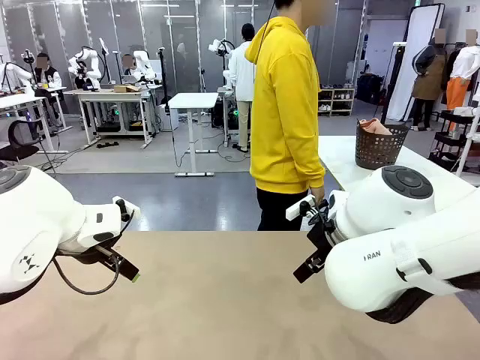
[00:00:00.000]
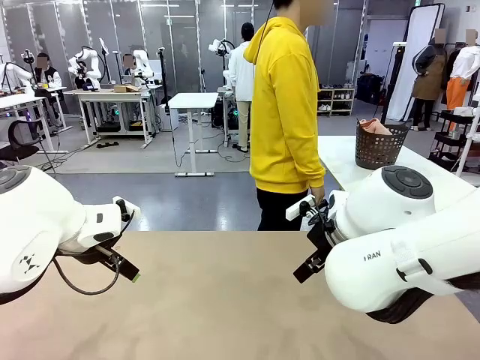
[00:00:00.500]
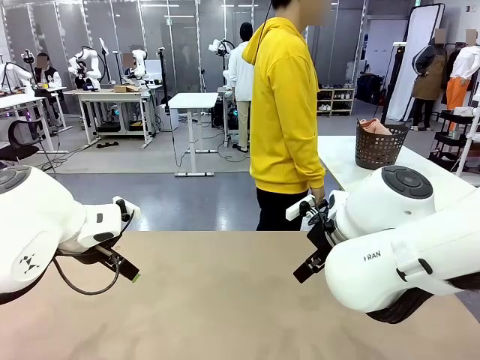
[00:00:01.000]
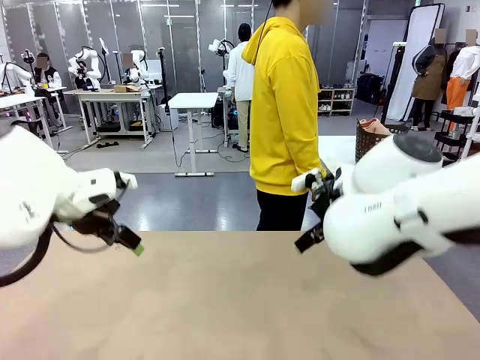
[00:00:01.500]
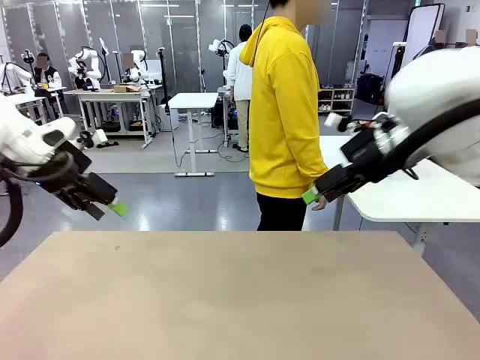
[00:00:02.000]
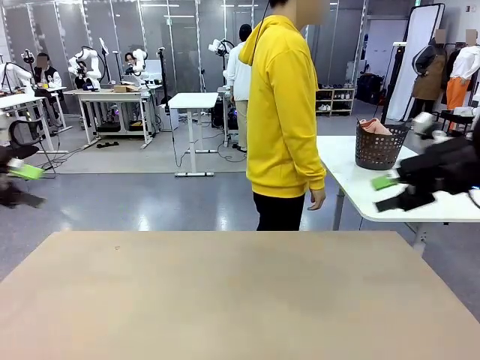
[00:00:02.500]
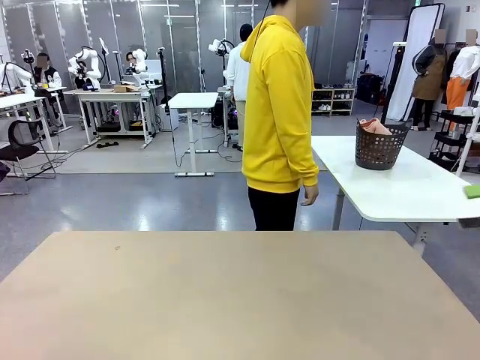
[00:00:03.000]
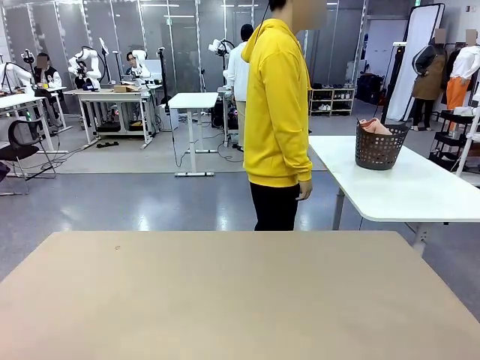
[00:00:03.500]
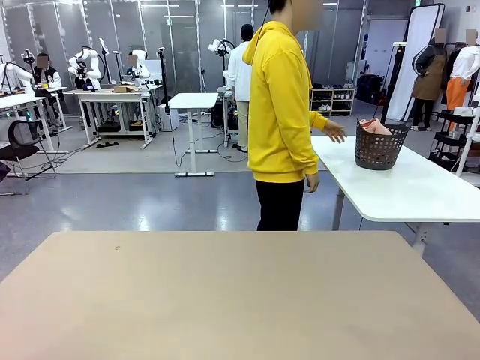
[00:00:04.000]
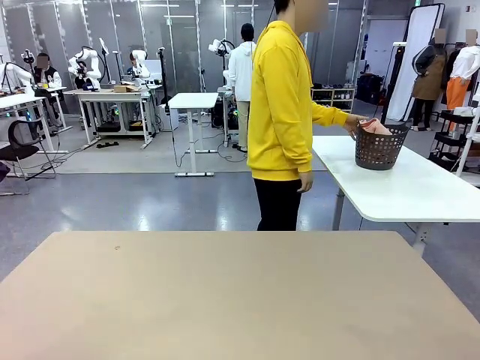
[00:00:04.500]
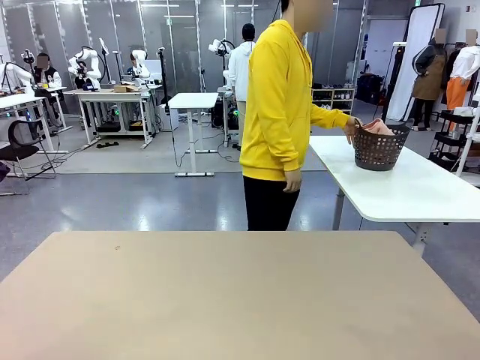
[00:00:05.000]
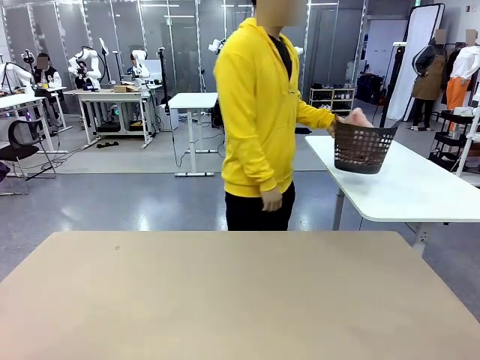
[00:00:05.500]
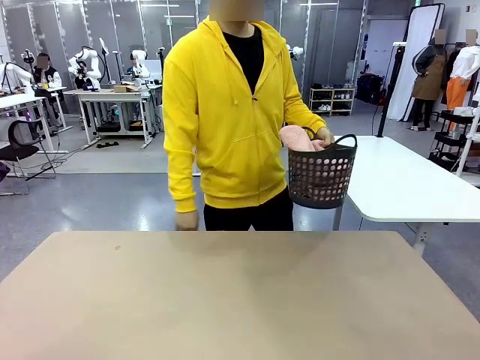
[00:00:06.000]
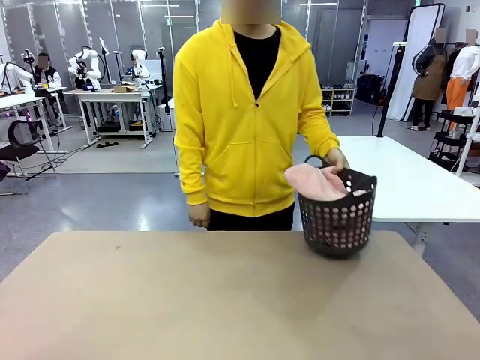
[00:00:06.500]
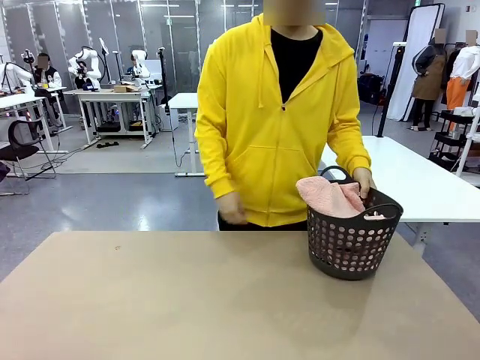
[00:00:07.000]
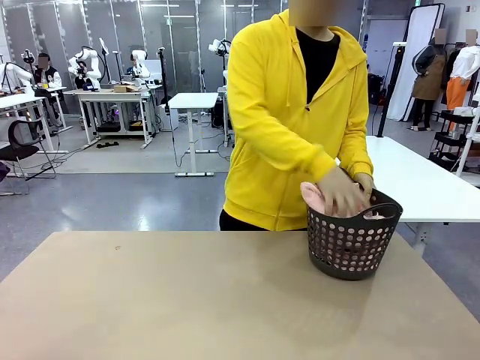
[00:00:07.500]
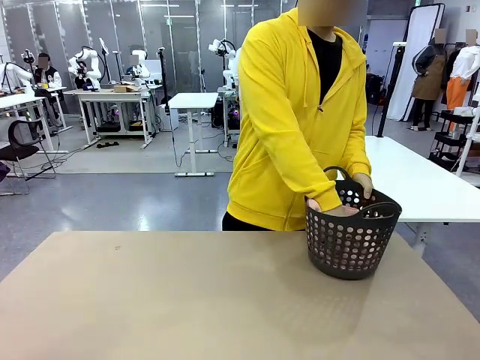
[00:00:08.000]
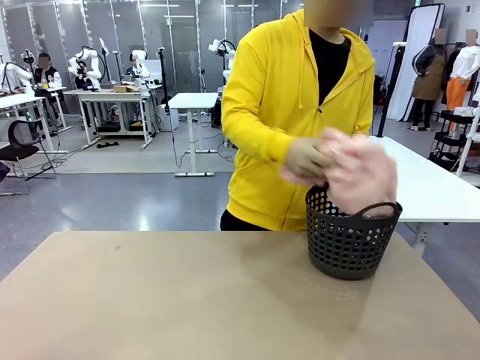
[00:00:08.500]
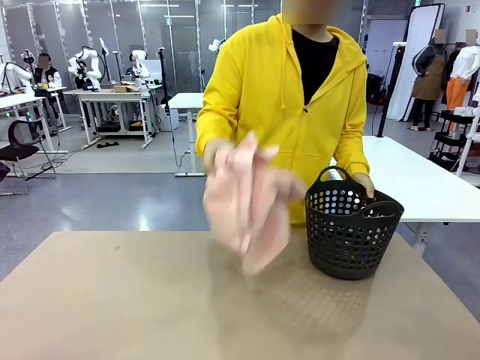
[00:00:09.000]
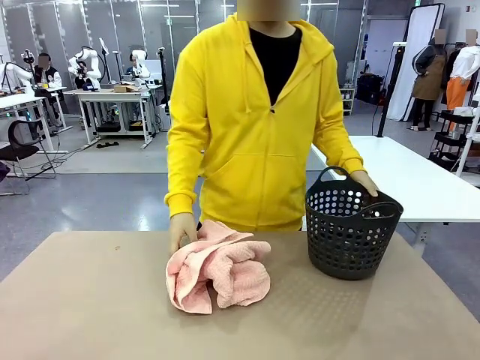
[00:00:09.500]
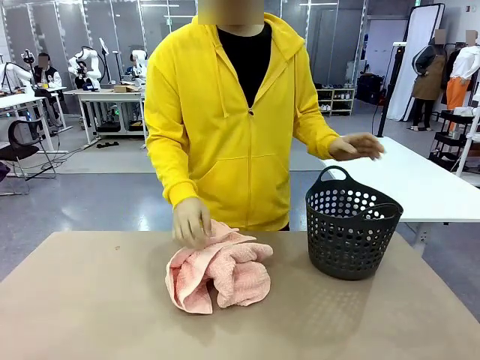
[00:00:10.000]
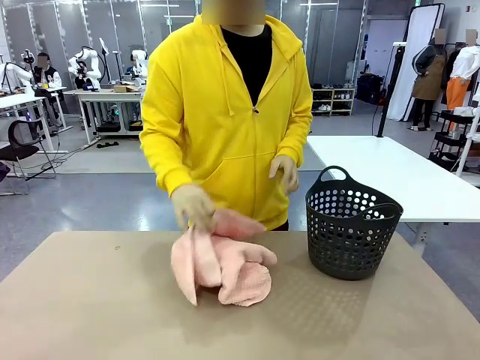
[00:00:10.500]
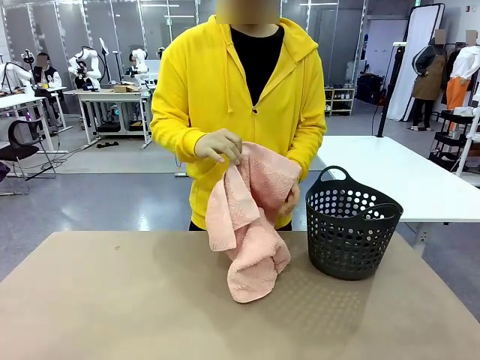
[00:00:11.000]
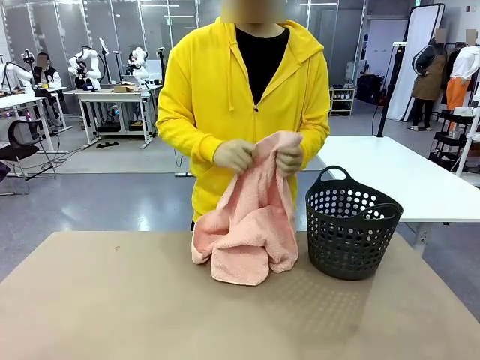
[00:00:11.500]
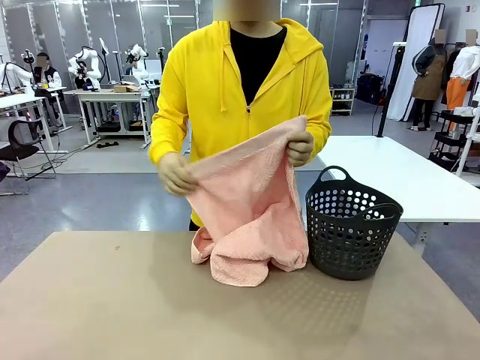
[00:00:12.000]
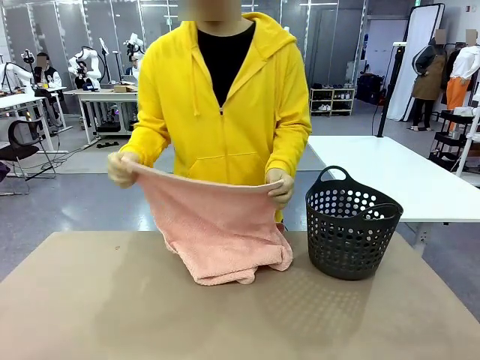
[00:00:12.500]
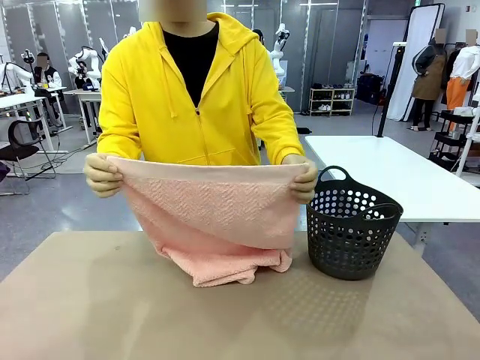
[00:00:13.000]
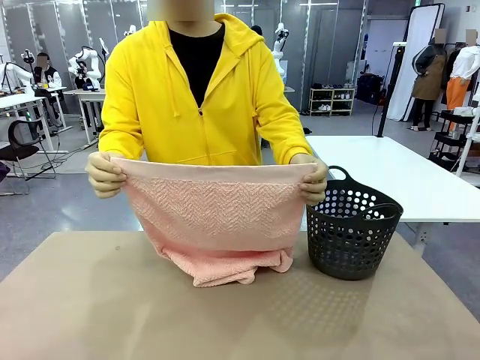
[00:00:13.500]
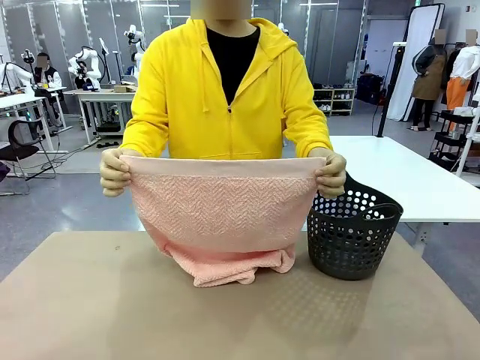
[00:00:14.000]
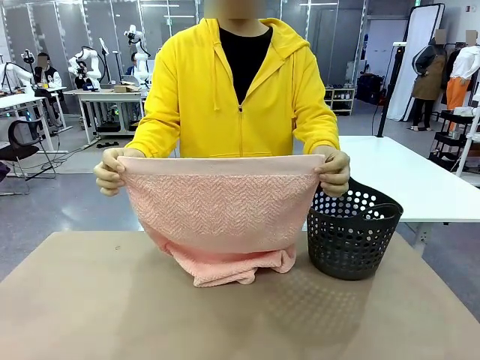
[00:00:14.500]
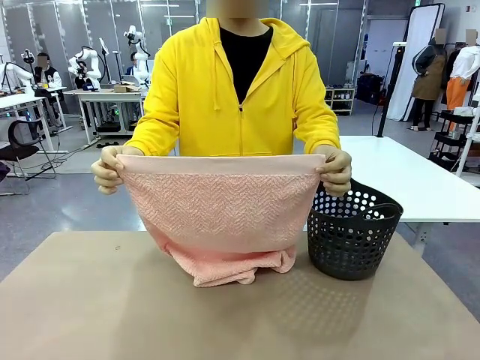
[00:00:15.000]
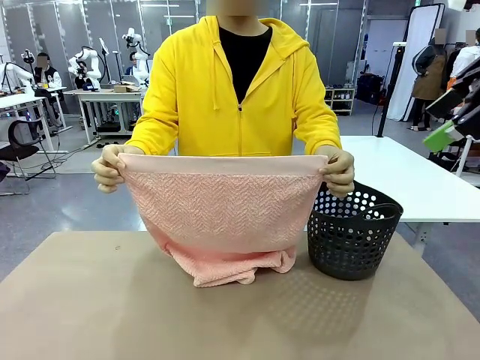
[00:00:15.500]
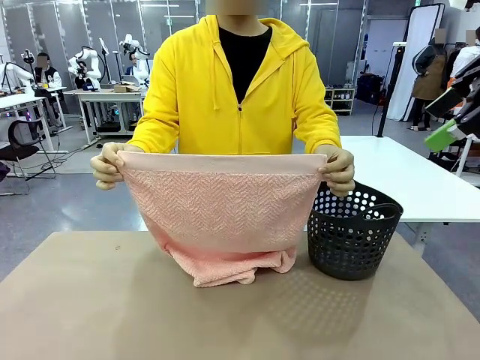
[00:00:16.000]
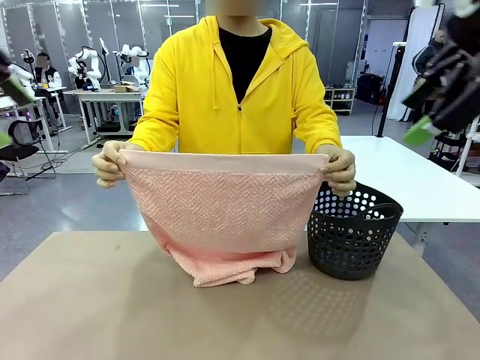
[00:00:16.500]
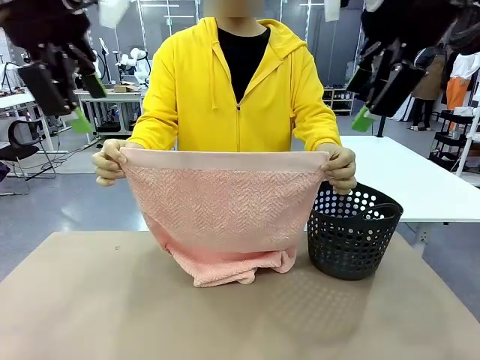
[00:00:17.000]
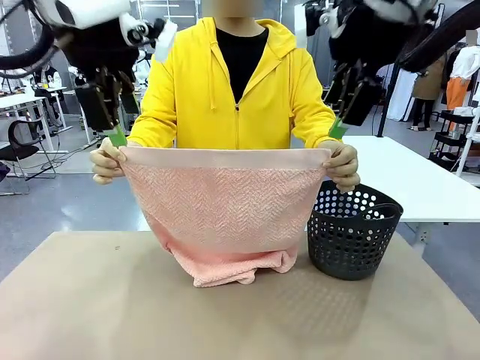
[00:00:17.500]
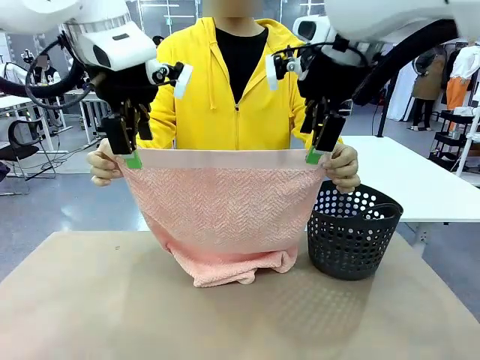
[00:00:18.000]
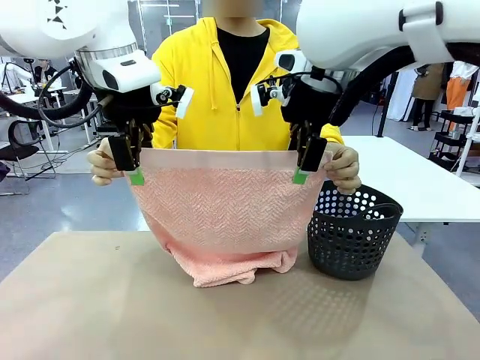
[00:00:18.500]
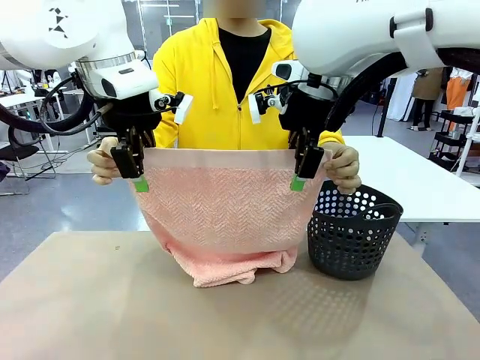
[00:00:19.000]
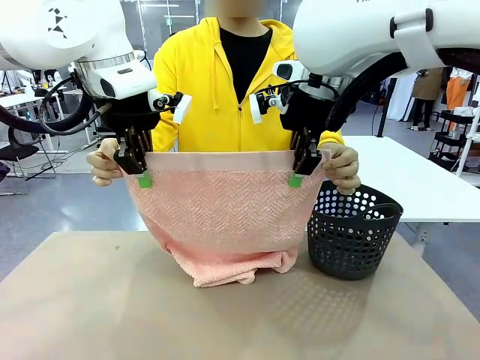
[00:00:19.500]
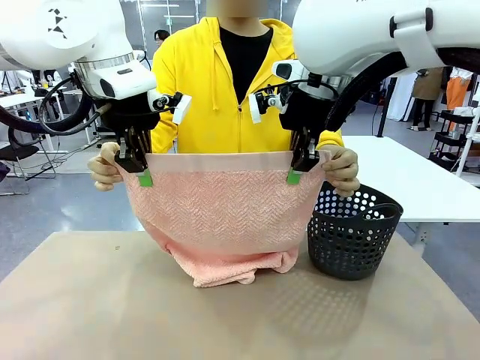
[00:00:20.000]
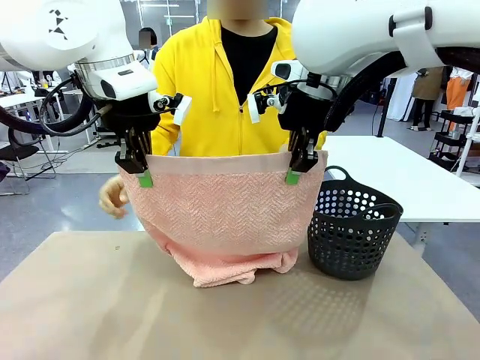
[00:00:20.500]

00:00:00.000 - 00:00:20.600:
Task: Fold the towel.
Robot: Grab the top end of the 100 cm Hotel Towel extended by the human.
Person: Pick up the laundry basket, place it on the left side of the robot table, then take out a towel and hand it to the robot while holding both corners of one end.

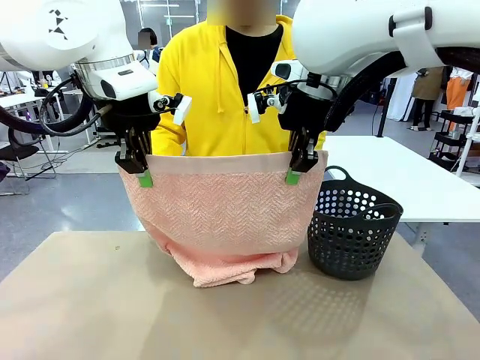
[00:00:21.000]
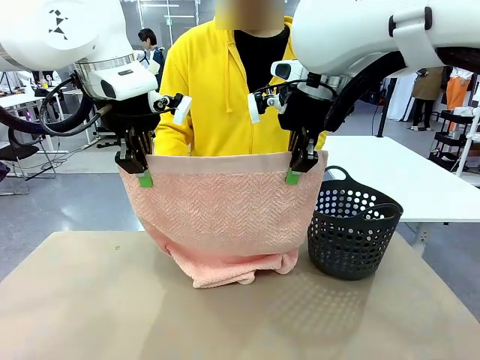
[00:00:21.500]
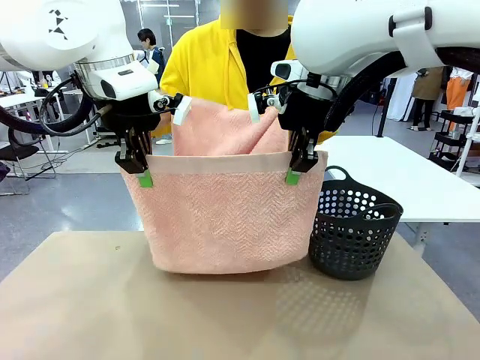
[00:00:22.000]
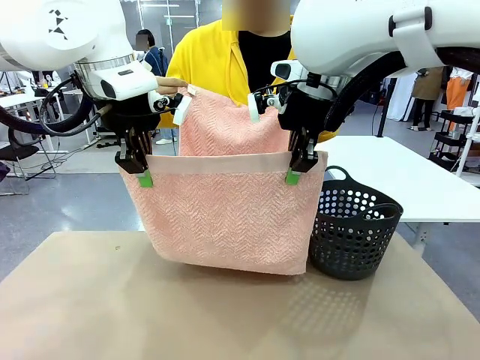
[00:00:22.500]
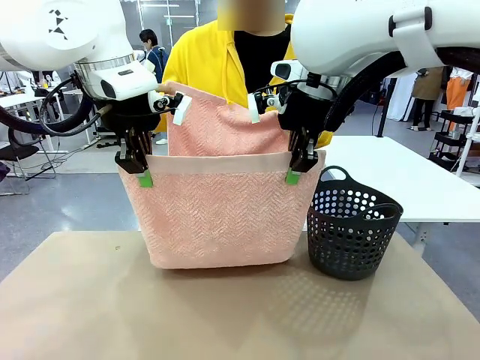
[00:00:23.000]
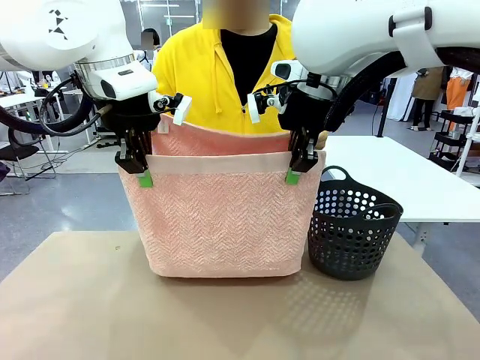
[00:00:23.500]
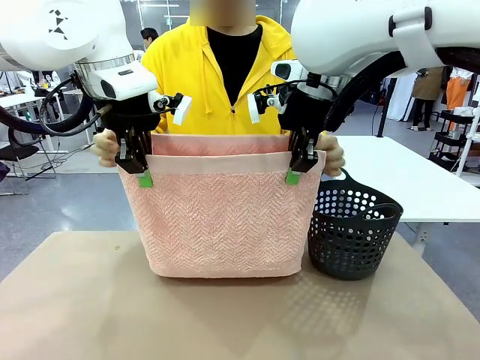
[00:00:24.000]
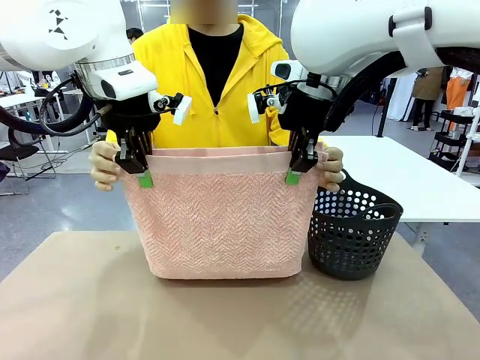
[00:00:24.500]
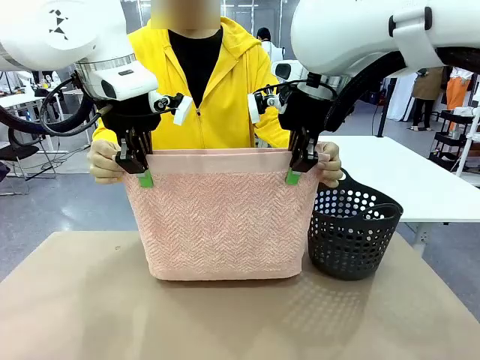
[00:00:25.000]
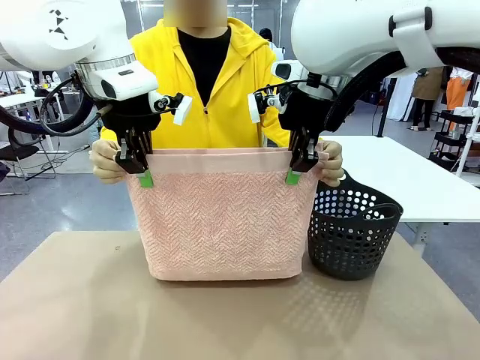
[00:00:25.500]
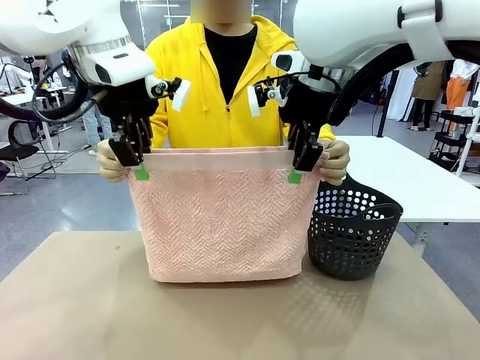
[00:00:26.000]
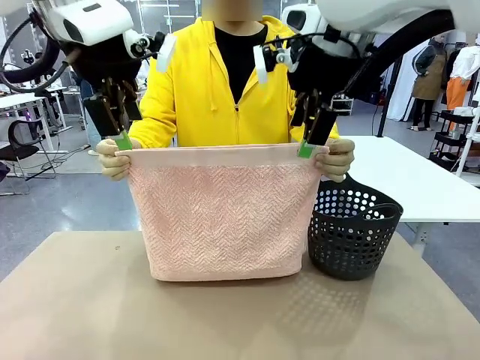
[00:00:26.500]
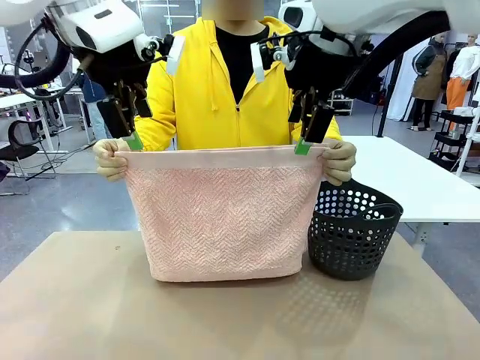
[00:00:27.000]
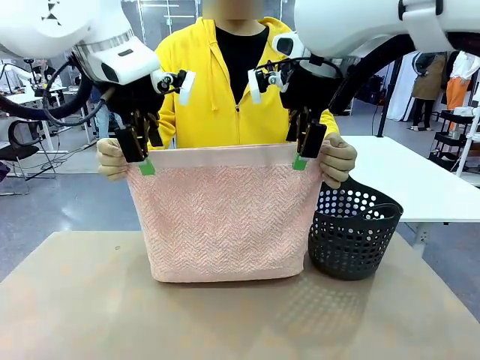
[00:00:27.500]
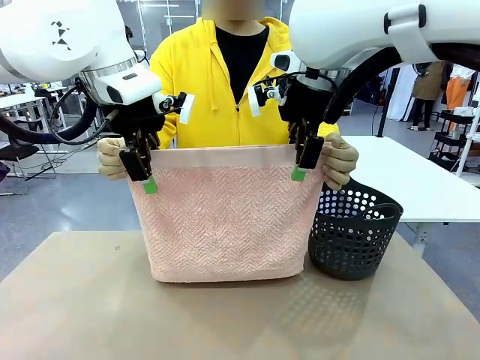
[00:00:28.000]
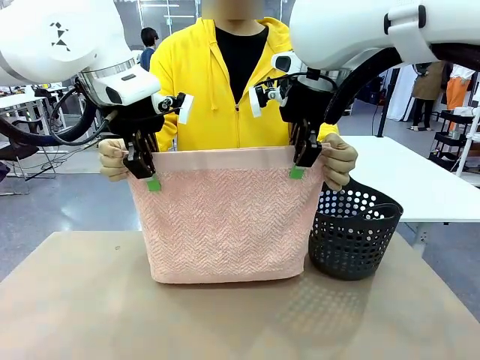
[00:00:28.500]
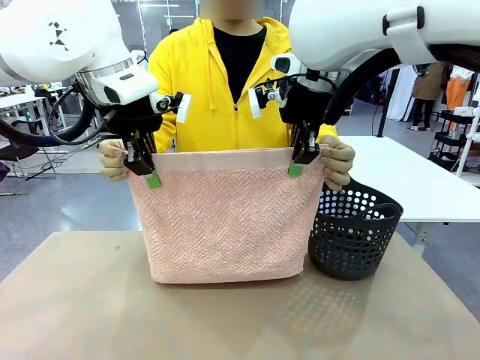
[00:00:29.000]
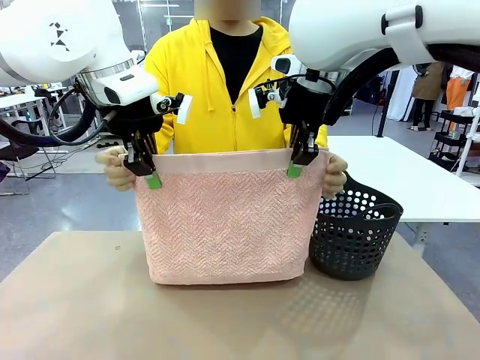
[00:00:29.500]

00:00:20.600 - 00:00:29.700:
Robot: Release the end of the 100 cm Hotel Towel you were holding and grab the top end of the folded side.
